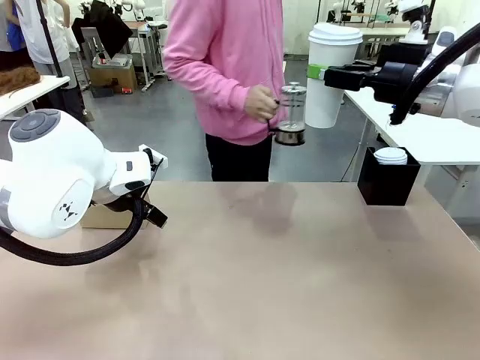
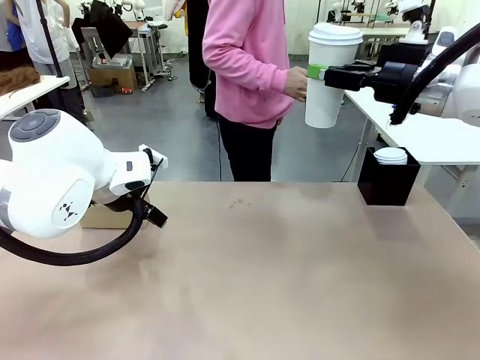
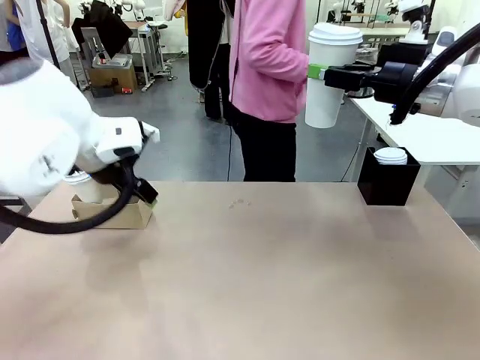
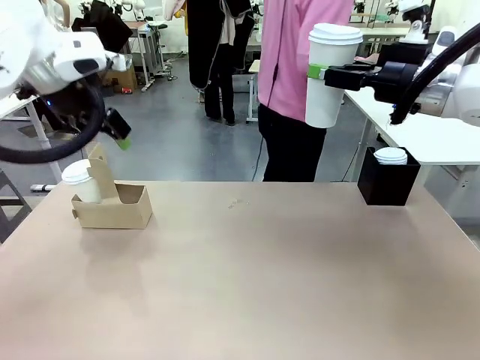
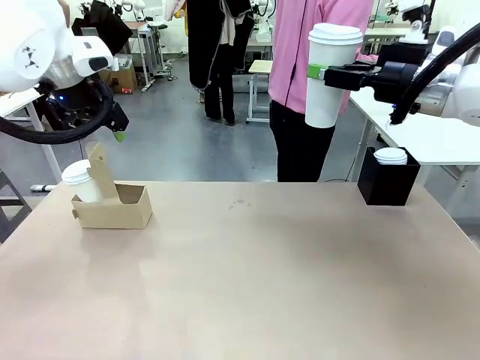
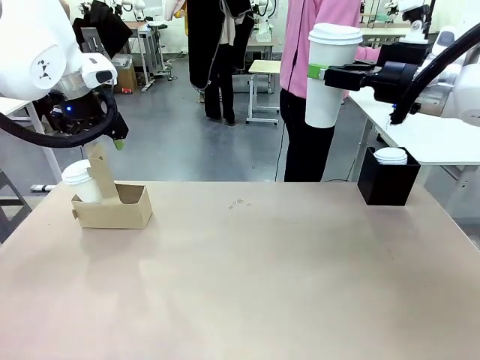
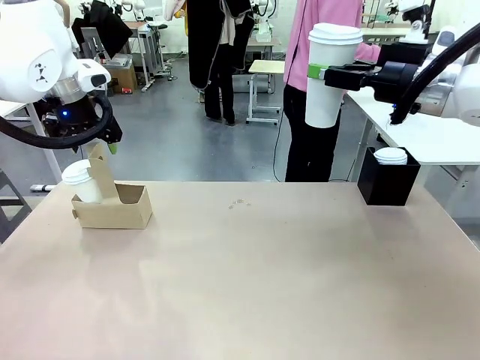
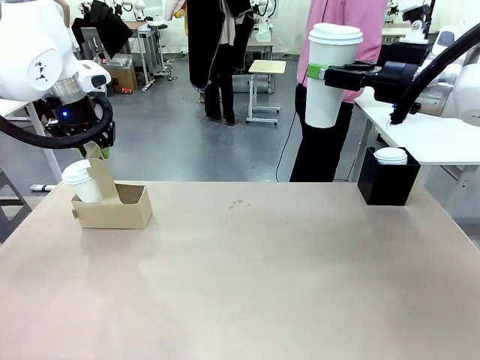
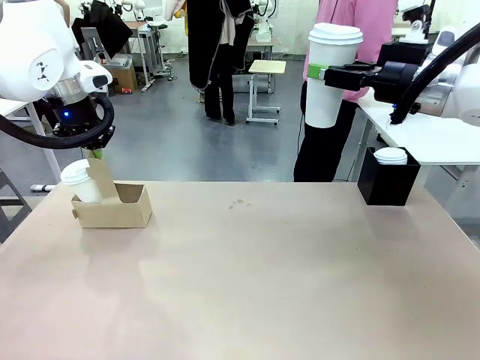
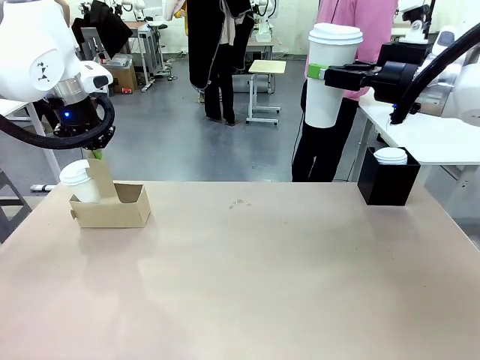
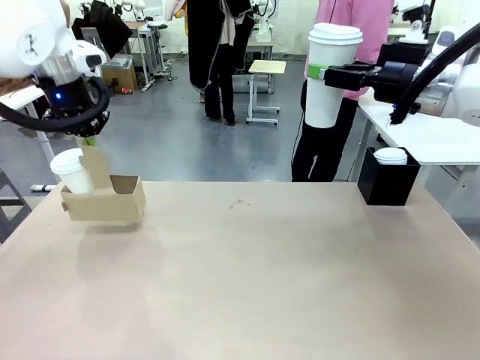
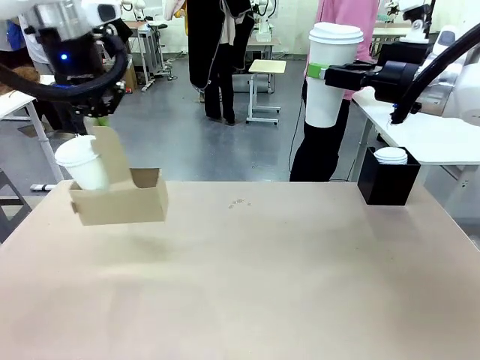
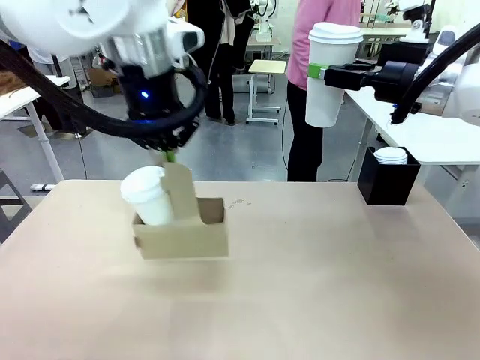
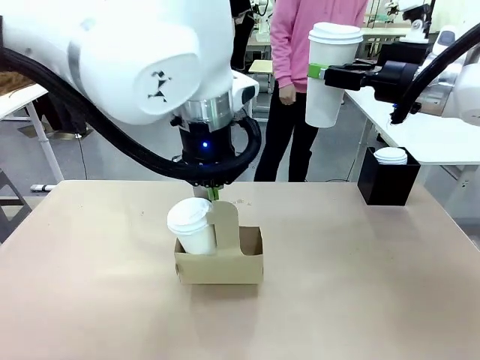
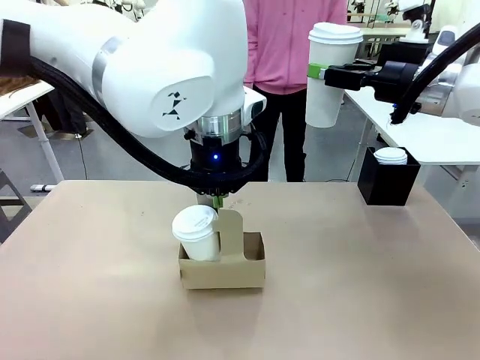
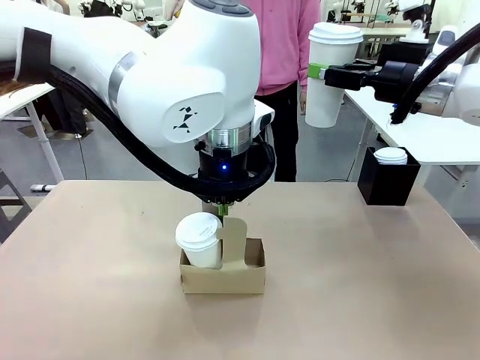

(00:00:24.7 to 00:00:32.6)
Task: Pour a drink into a cup and package it in a carrier.
Robot: Position the Cup Carrier in the center of the table.
Person: Pick up the Filter Brewing and place on the middle of Human table, and return to the Robot table.

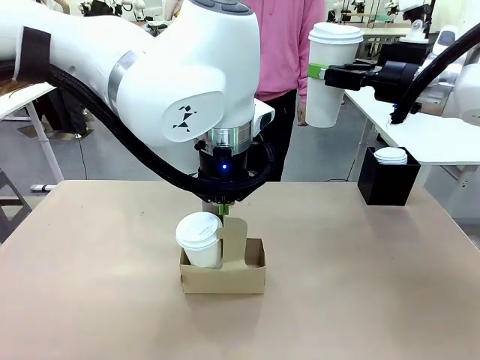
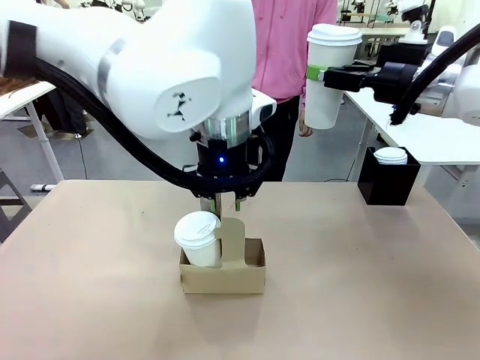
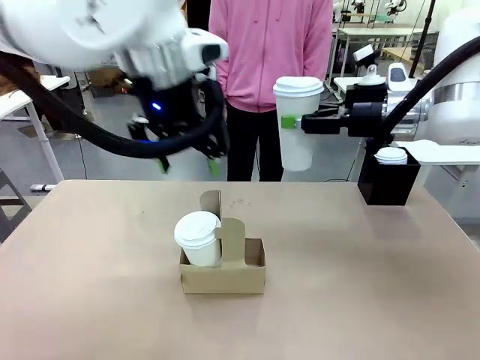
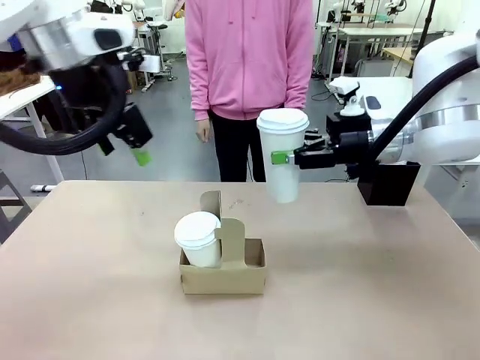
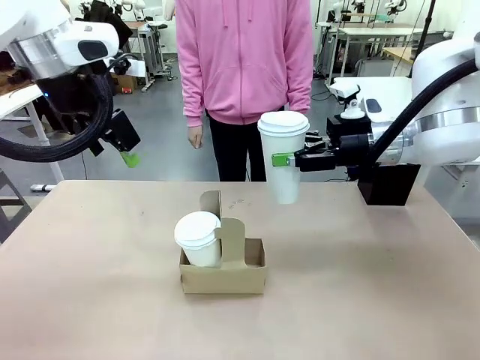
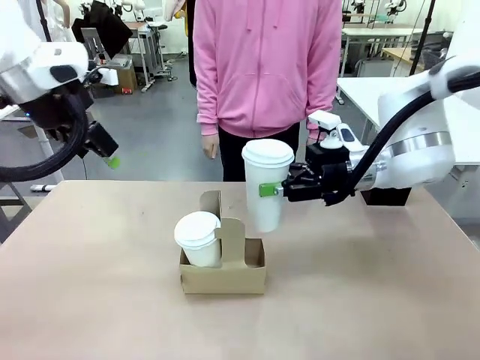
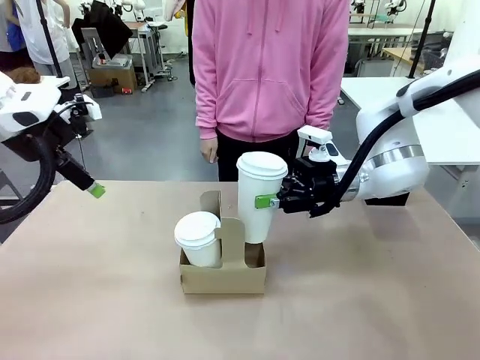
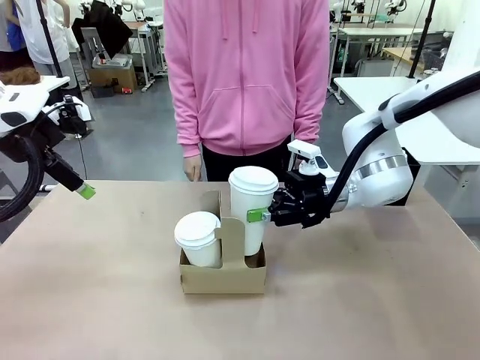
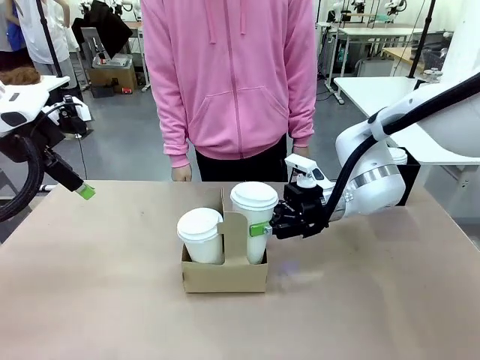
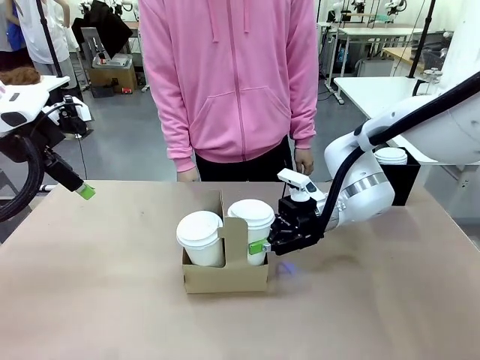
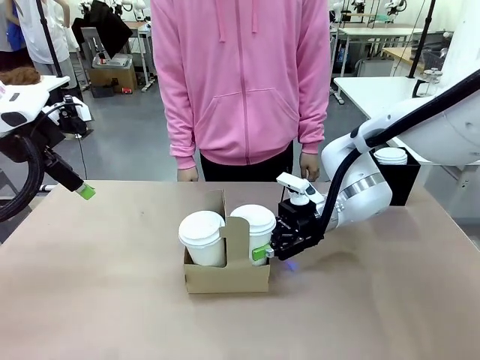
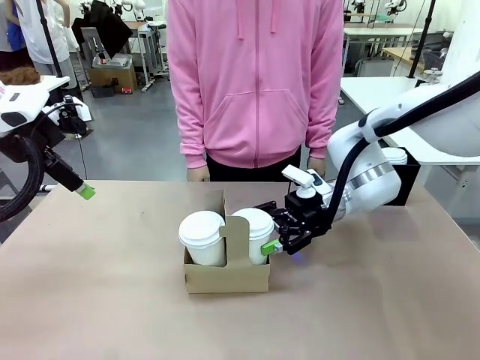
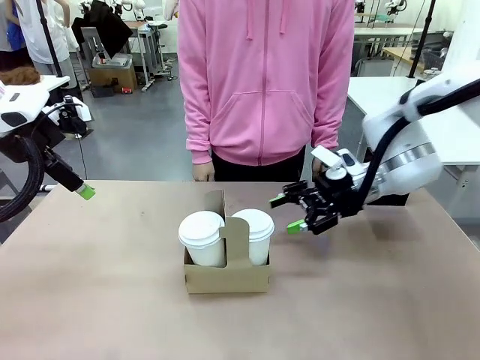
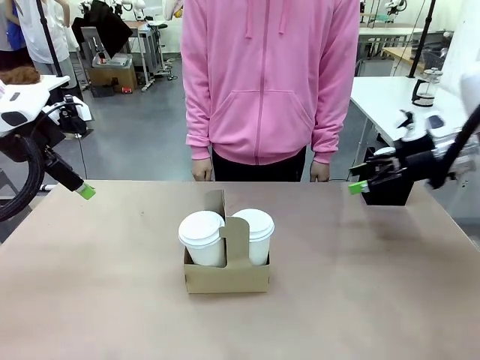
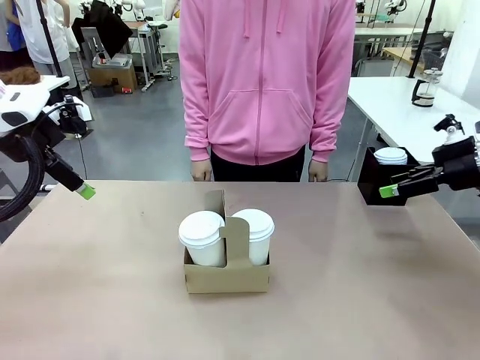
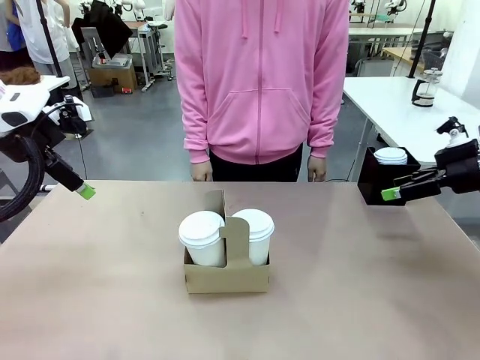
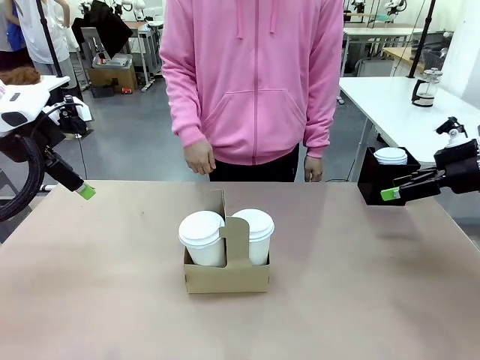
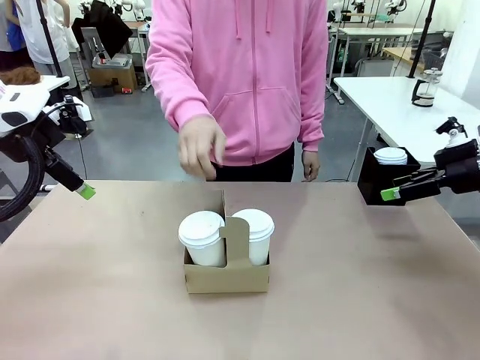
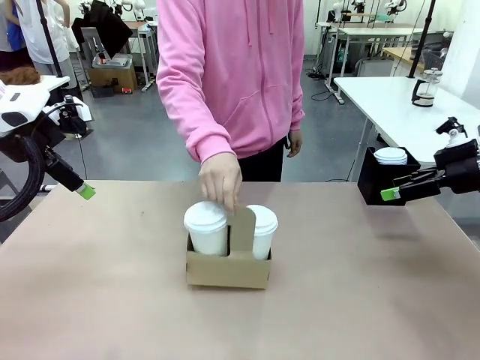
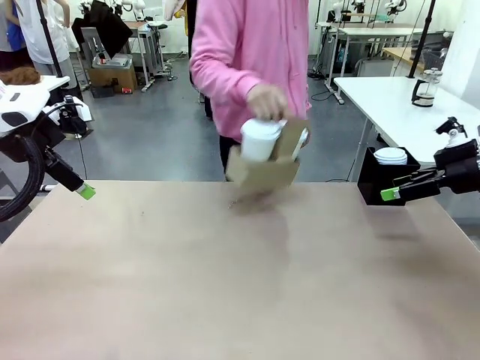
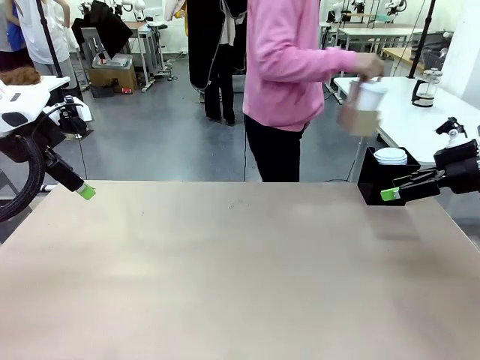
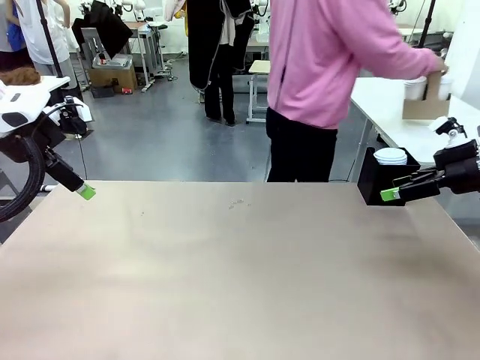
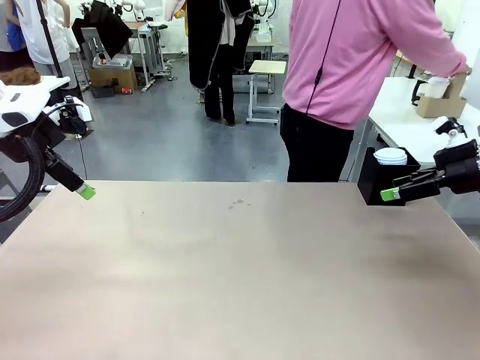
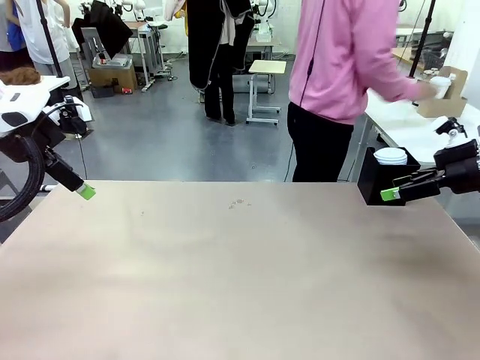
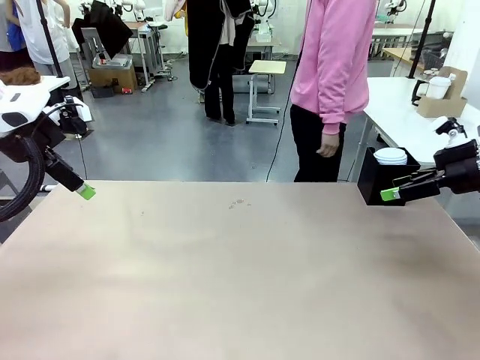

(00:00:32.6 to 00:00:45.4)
Robot: Insert the held 600 ml Paper Cup into the Cup Carrier.
Person: Place the Cup Carrier to the middle of Human table.

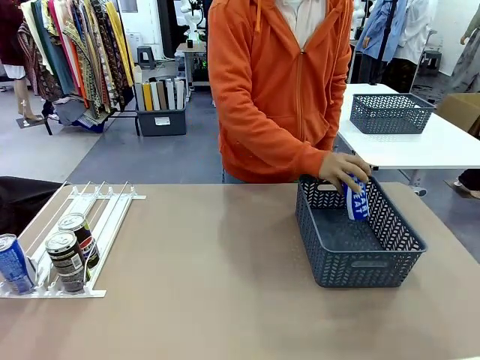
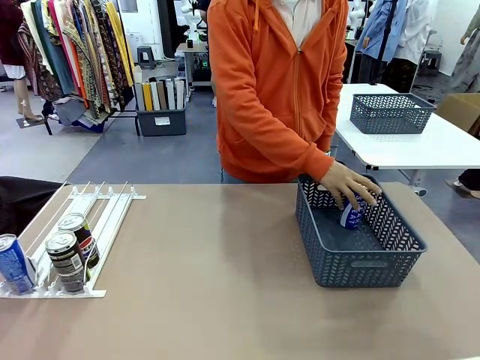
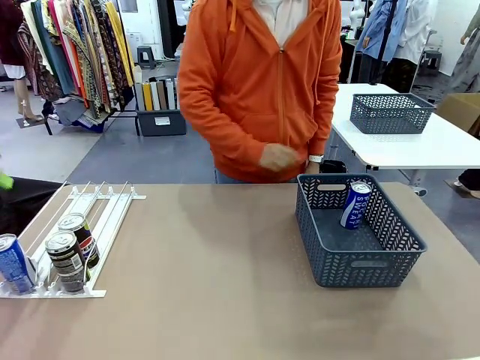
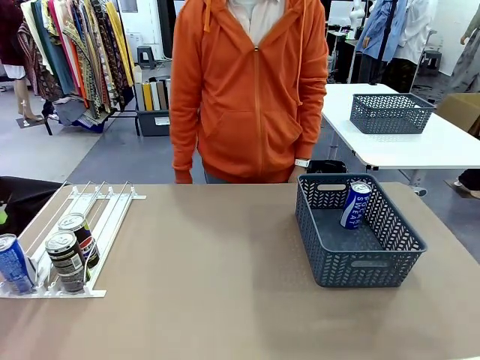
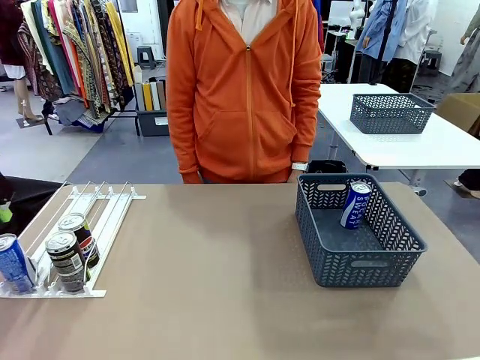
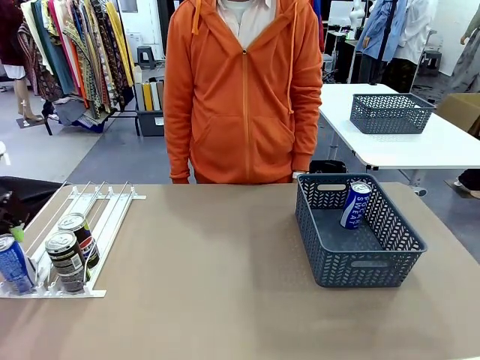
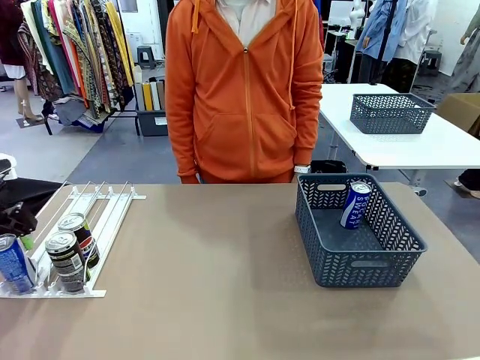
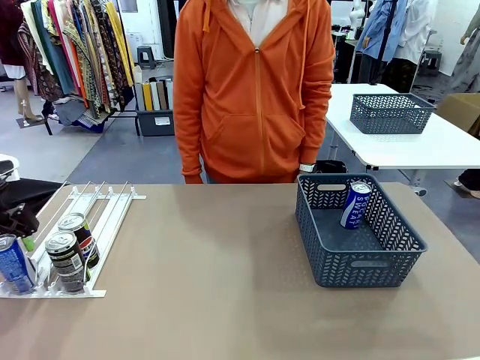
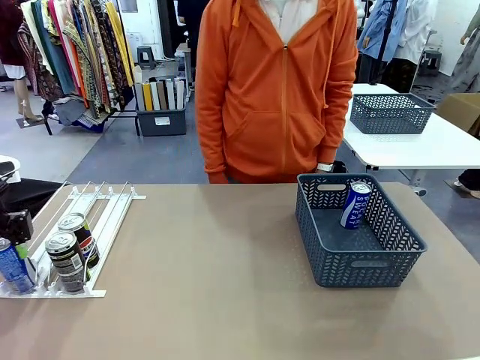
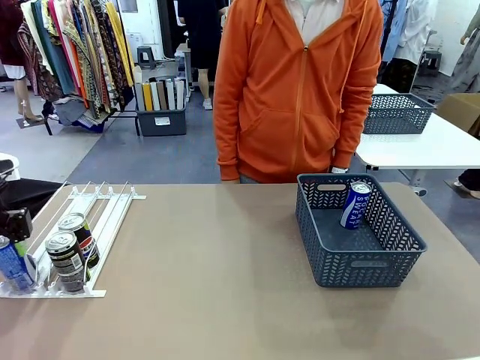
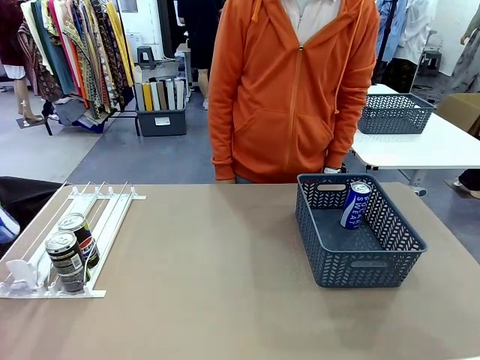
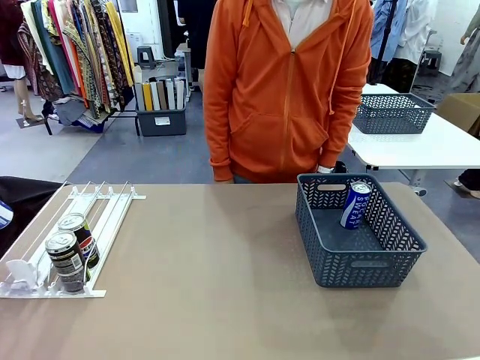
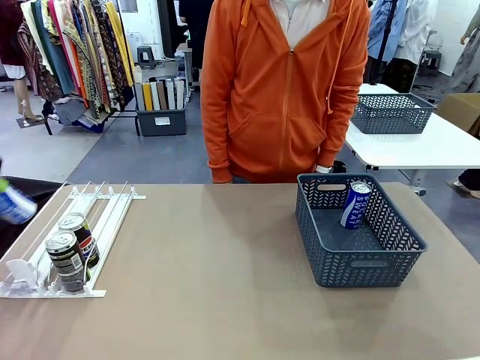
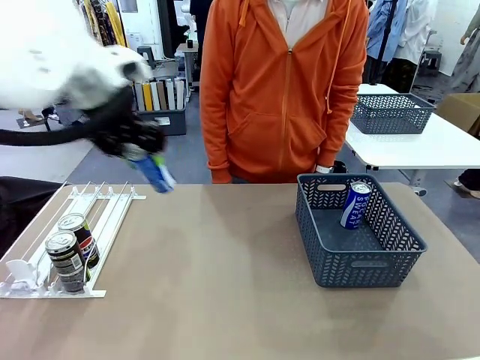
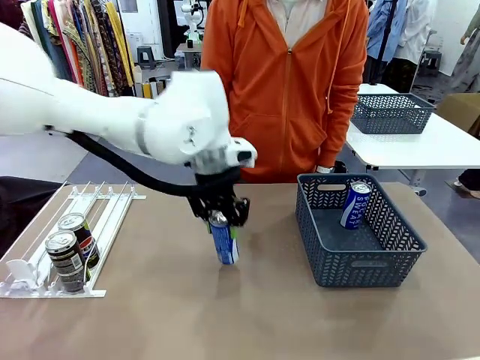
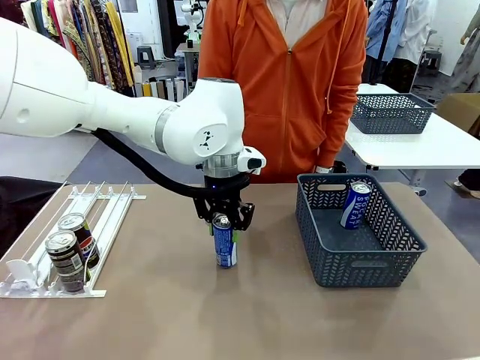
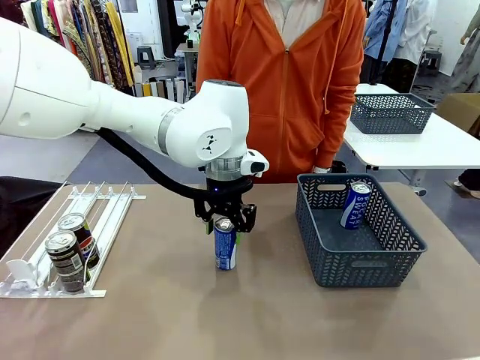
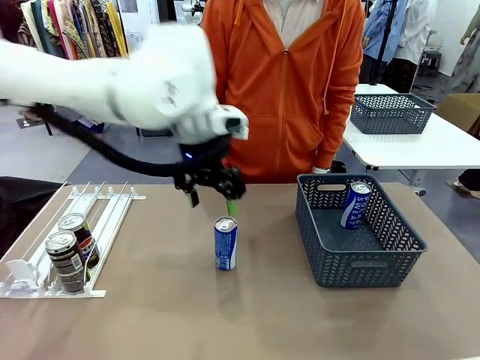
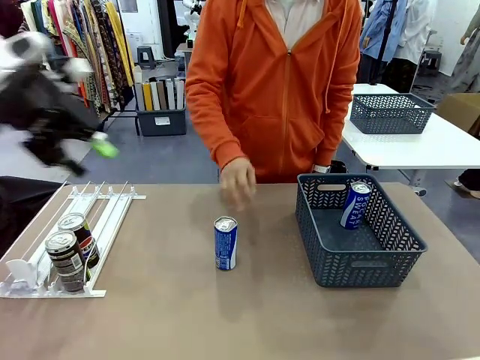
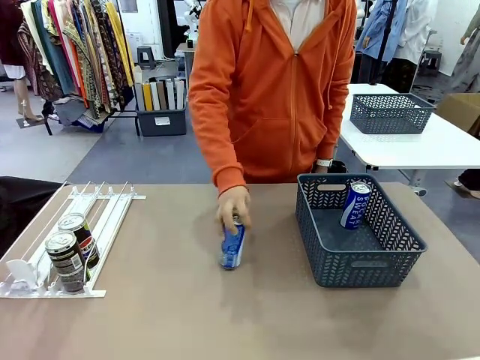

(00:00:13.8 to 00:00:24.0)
Task: Retrieve and store the cans from the dispenser.
Robot: Pick up the last remaining can from one row of the Automatic Can Dispenser and place it in the middle of the table.
Person: Pick up one Pepsi can from the middle of the robot table and place it in the basket.
